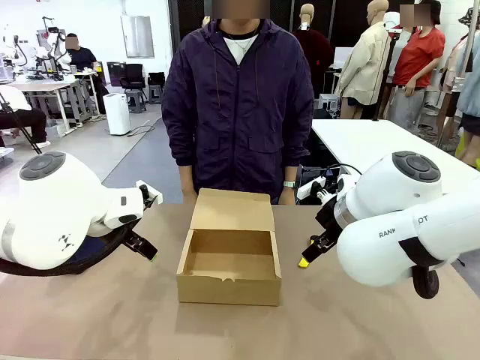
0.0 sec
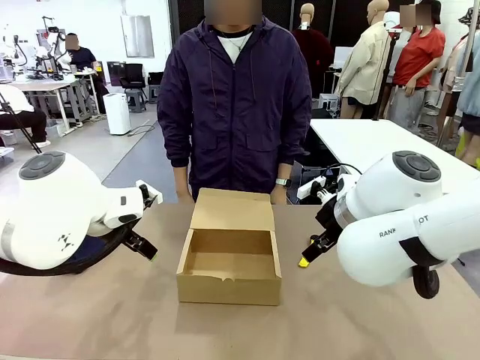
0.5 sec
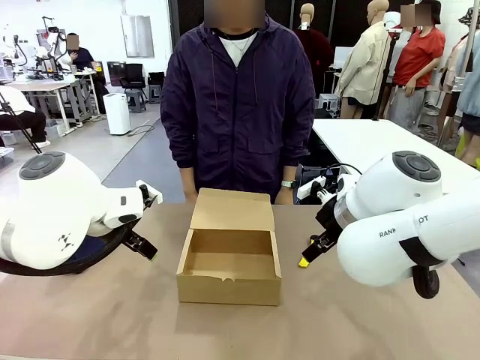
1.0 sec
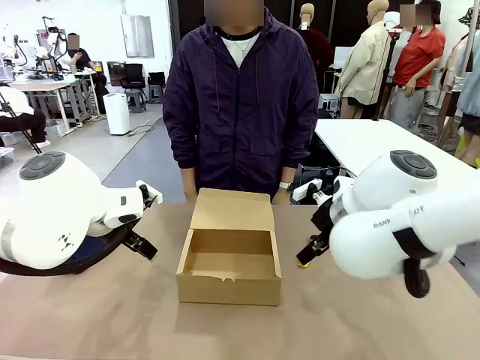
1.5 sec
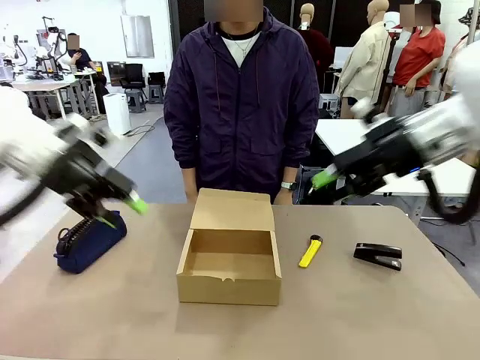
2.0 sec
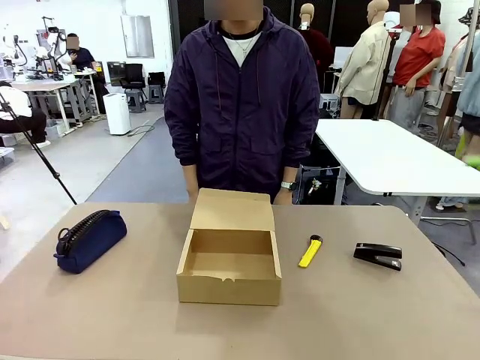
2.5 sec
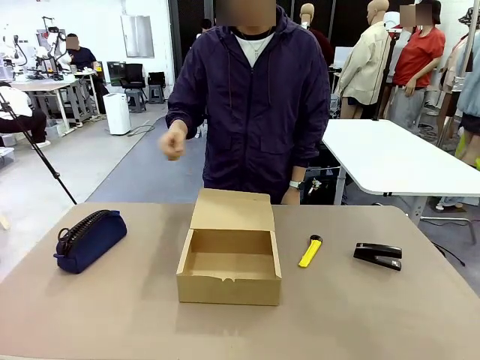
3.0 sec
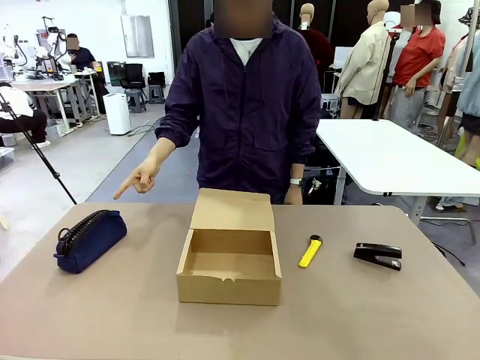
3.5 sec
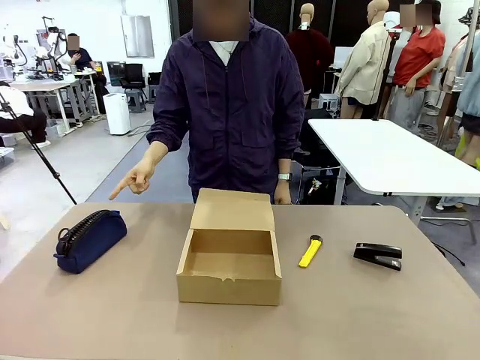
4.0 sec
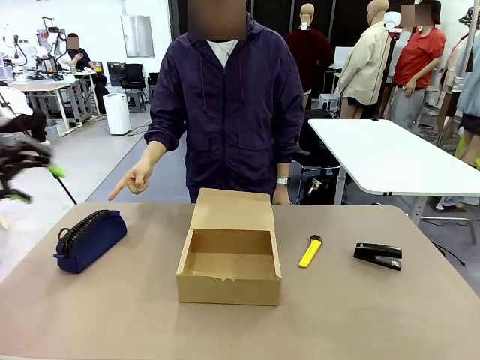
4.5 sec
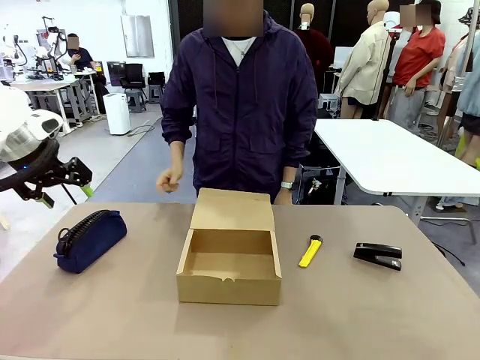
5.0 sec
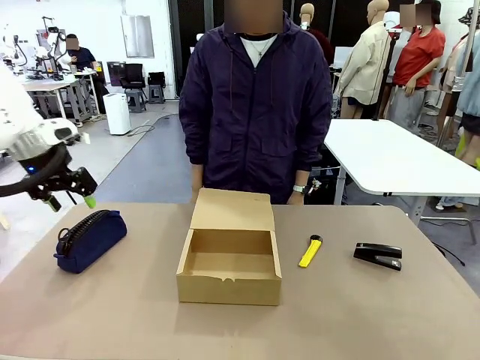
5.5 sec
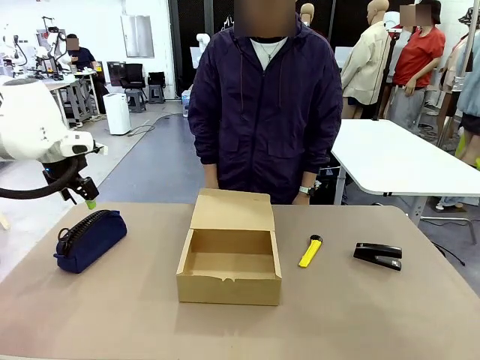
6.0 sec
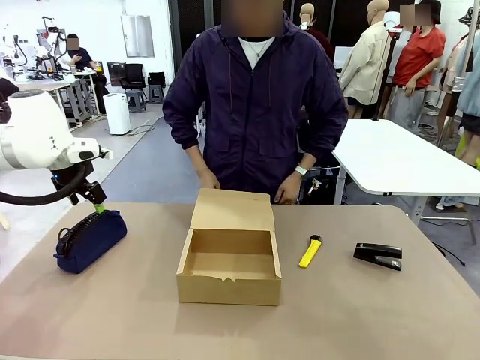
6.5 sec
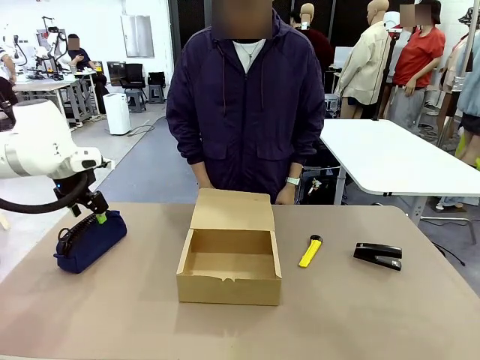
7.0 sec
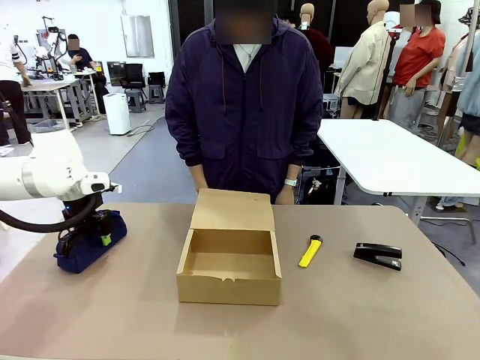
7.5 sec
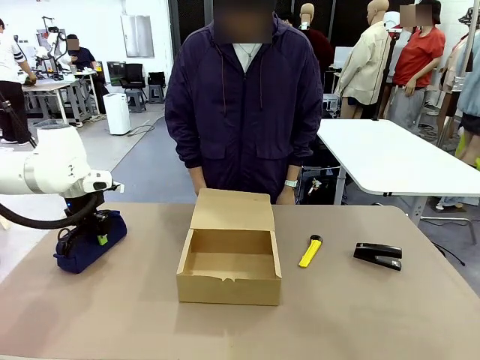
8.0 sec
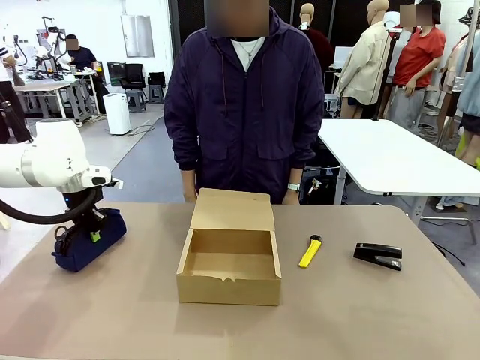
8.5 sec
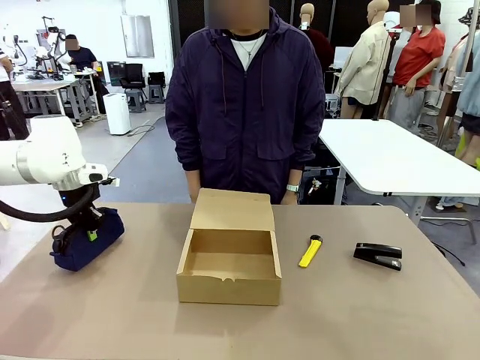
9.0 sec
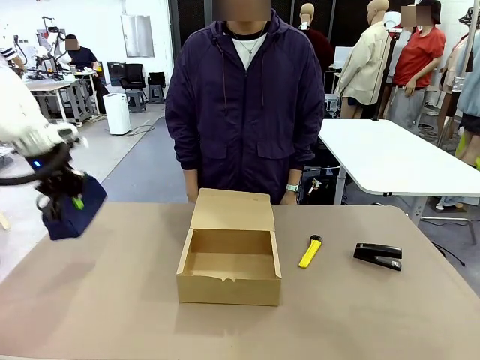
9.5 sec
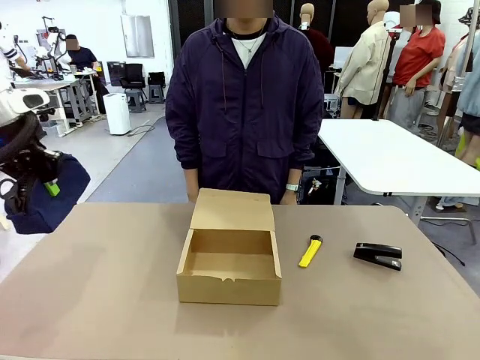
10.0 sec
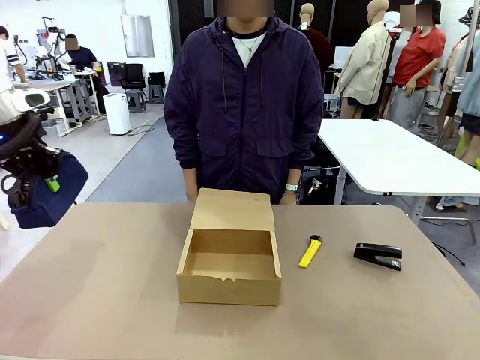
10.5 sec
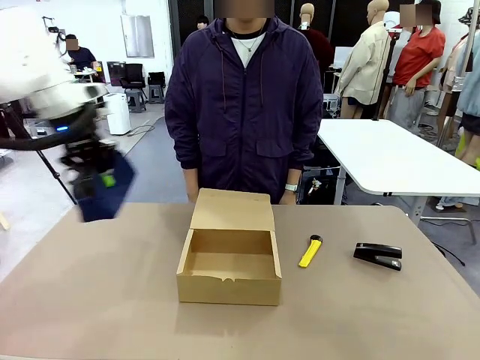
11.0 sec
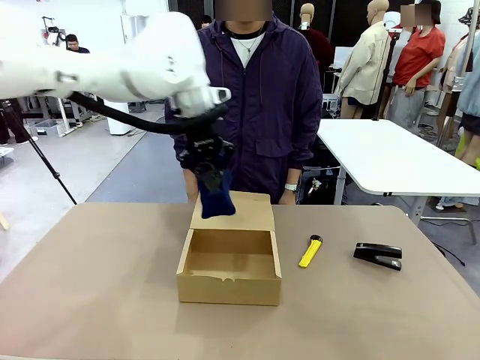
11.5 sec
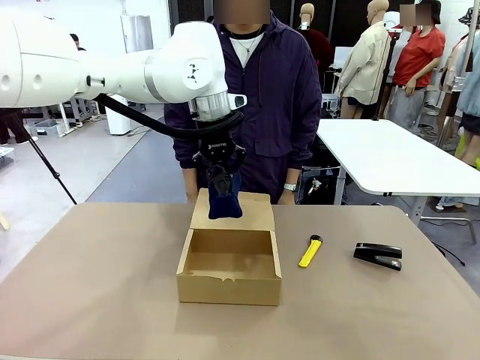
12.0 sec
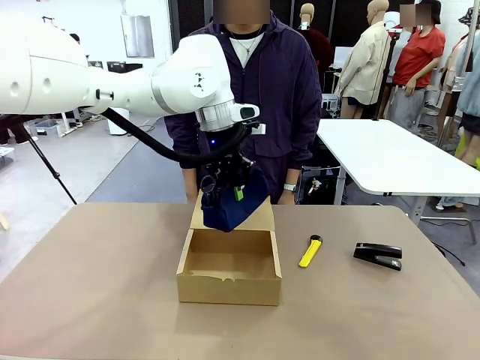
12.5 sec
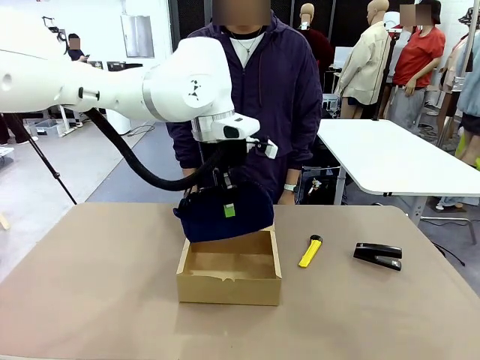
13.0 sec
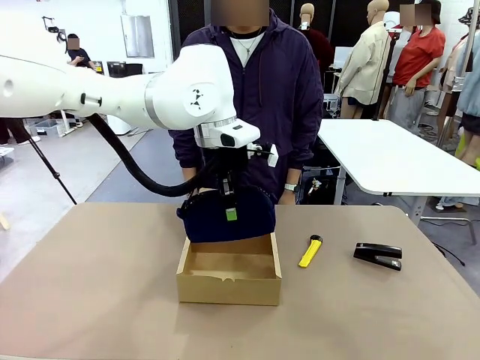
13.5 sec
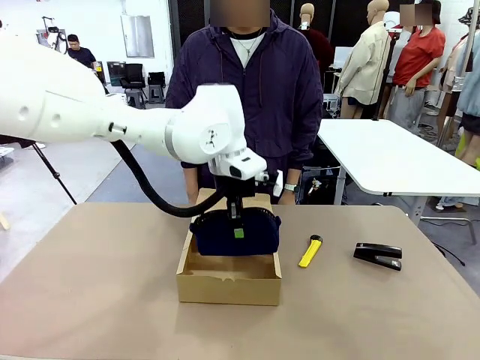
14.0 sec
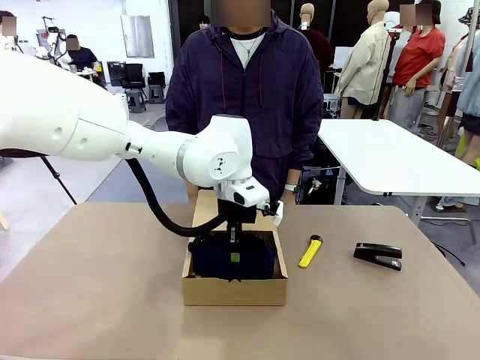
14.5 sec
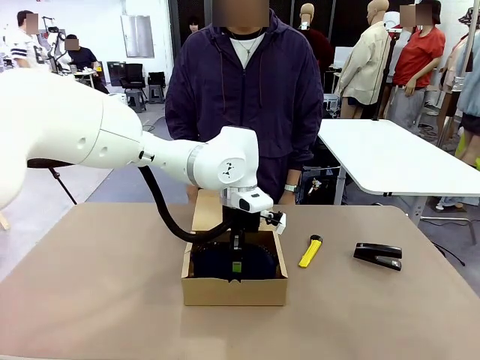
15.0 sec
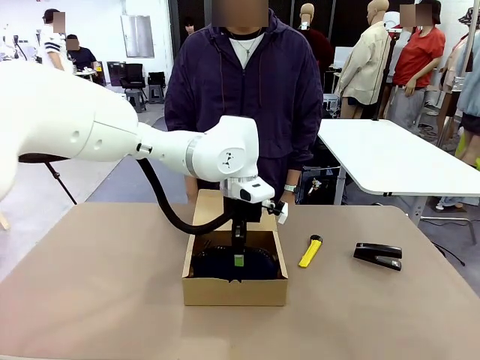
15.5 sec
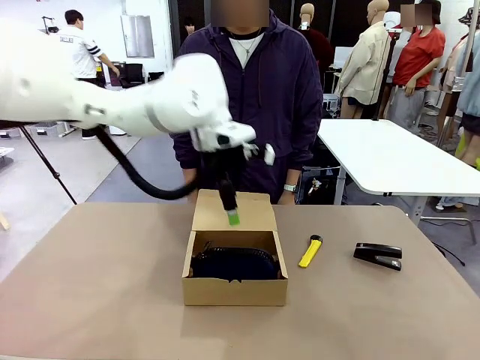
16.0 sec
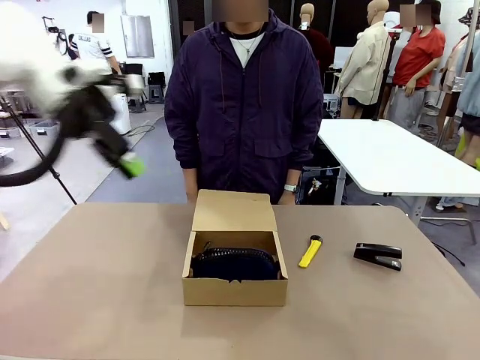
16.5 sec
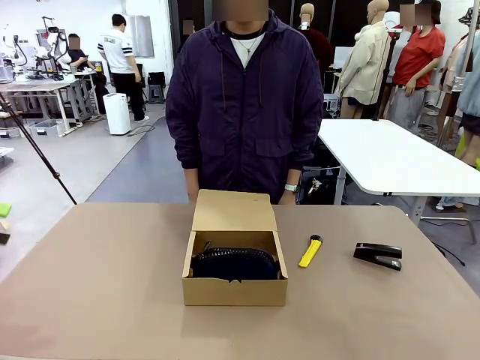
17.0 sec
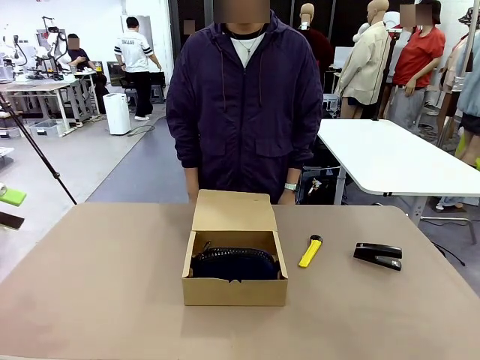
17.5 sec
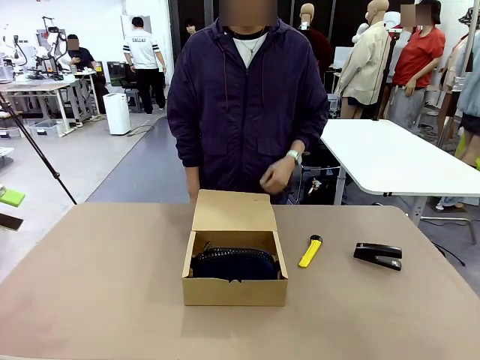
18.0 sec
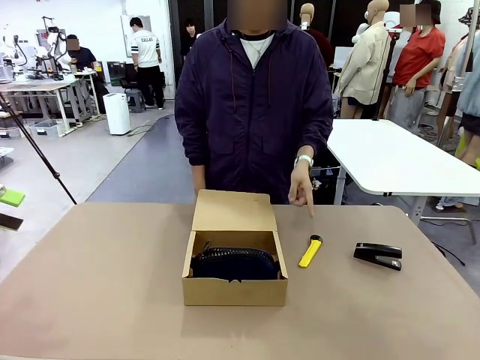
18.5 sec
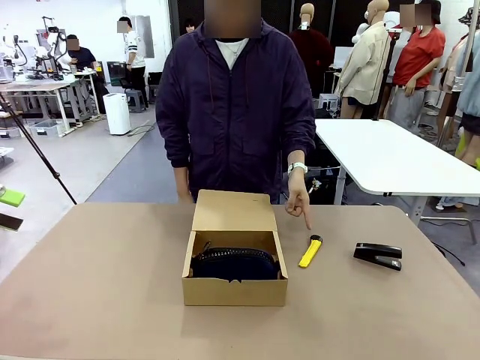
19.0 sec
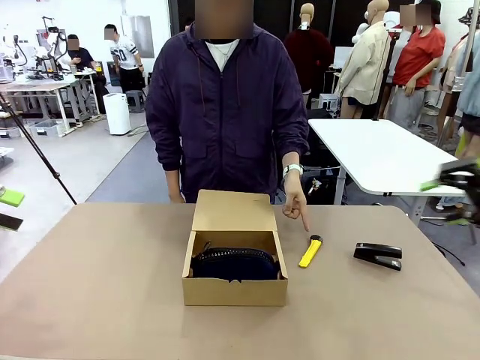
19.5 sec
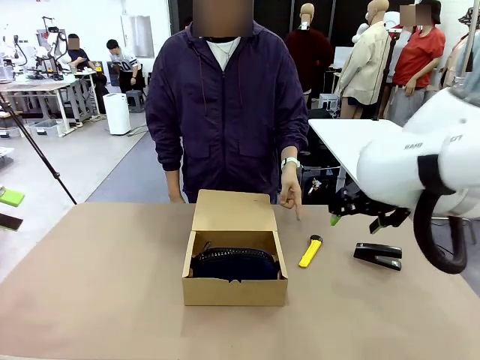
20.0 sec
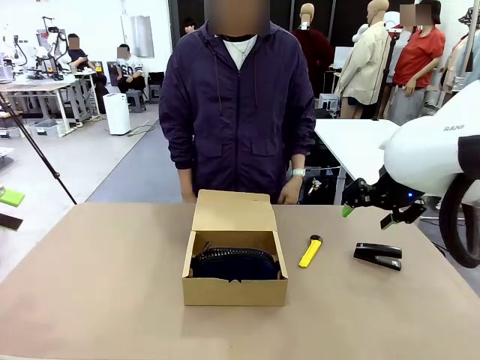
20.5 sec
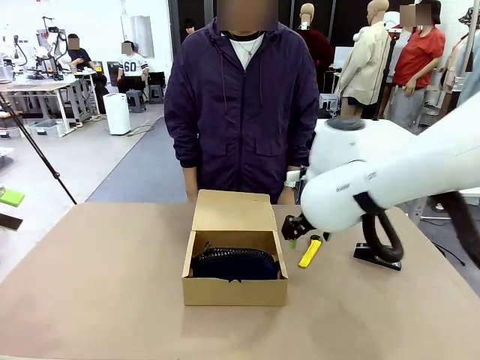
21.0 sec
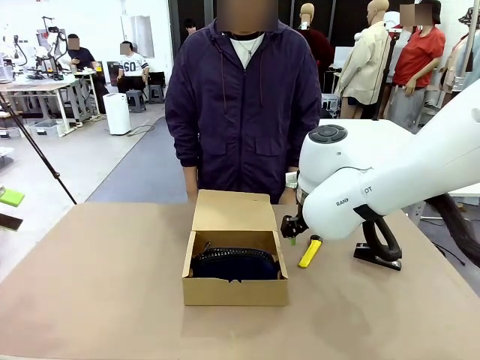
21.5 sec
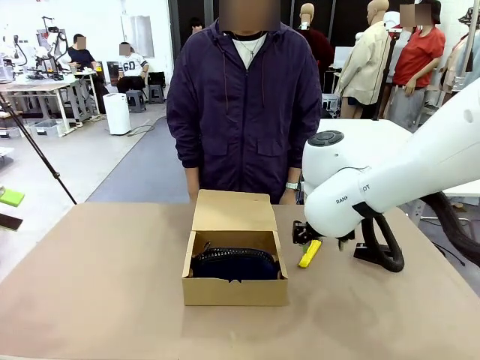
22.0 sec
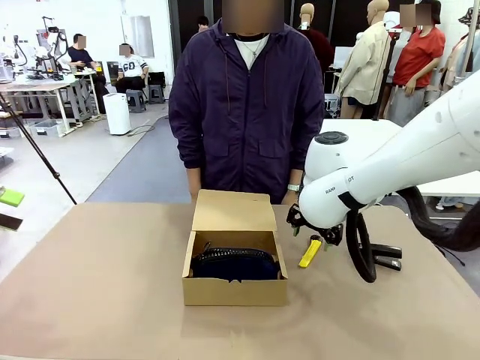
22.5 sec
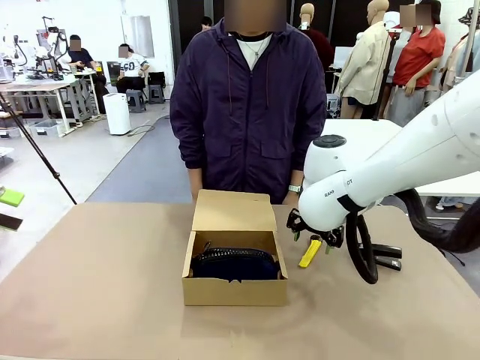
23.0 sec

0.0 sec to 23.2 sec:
Task: Pack the items into the box.
Robot: Pick up the item indicated by the person and place it inside the Mailer Box.
Person: Point at one item on the table (excluding the box).
